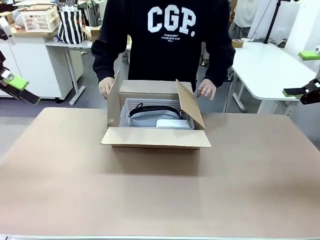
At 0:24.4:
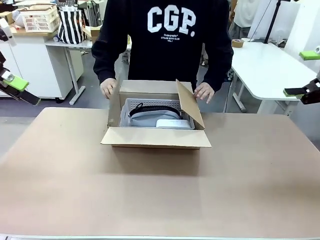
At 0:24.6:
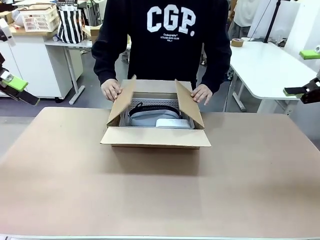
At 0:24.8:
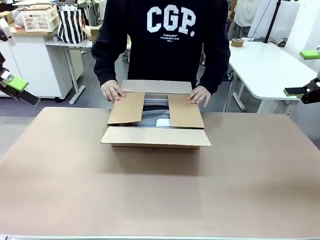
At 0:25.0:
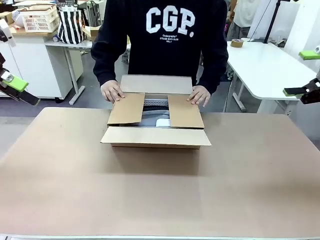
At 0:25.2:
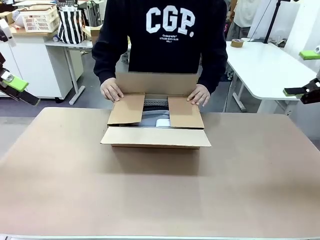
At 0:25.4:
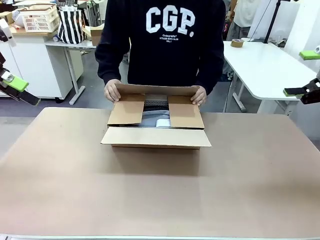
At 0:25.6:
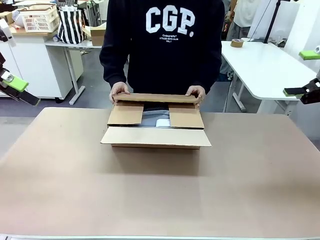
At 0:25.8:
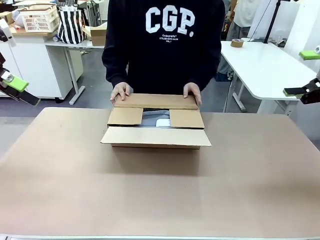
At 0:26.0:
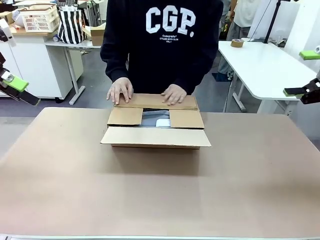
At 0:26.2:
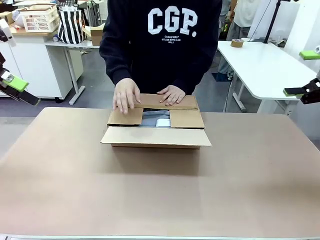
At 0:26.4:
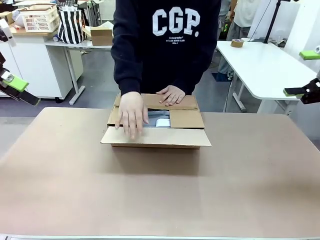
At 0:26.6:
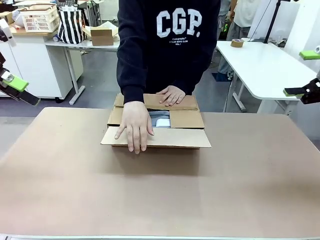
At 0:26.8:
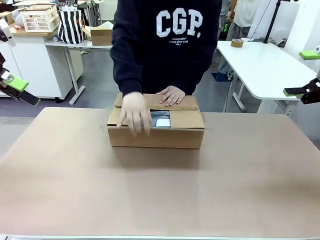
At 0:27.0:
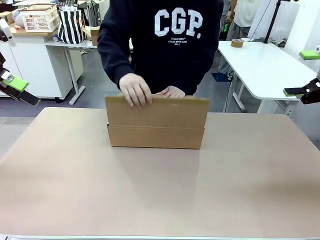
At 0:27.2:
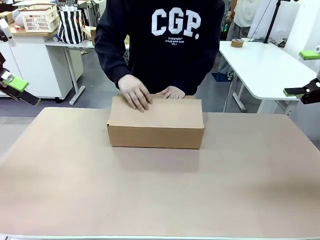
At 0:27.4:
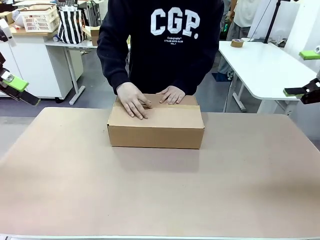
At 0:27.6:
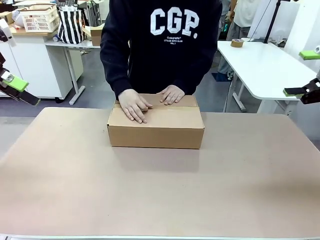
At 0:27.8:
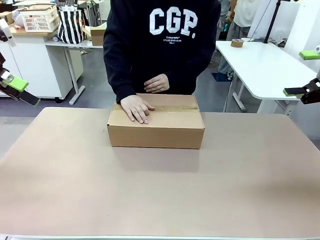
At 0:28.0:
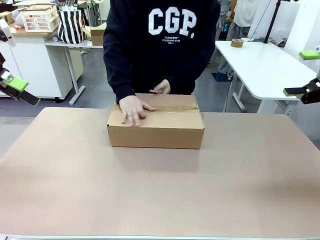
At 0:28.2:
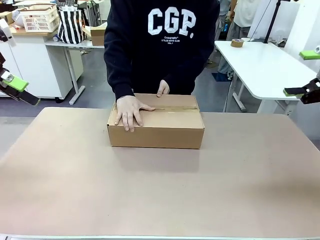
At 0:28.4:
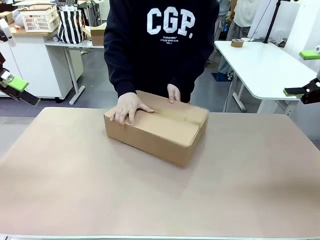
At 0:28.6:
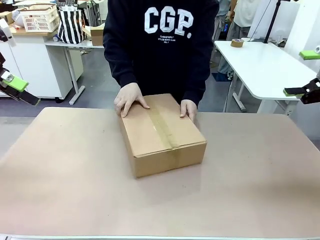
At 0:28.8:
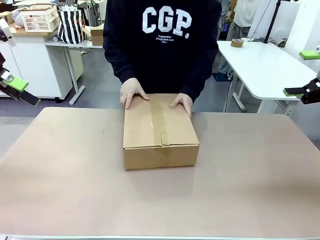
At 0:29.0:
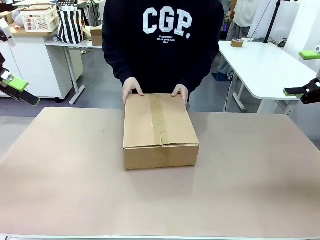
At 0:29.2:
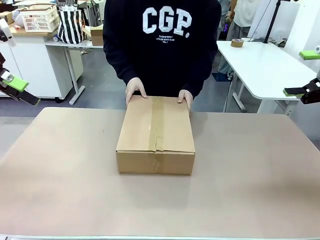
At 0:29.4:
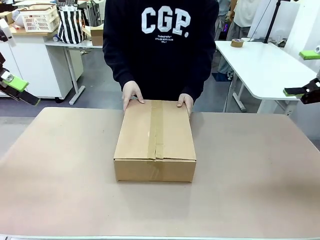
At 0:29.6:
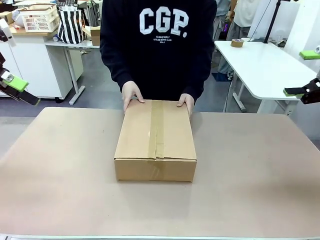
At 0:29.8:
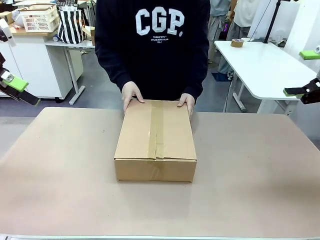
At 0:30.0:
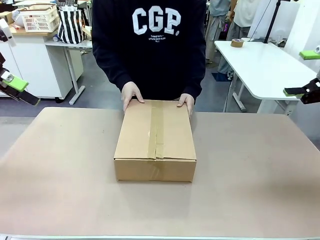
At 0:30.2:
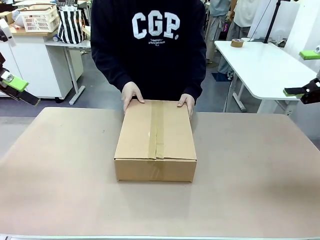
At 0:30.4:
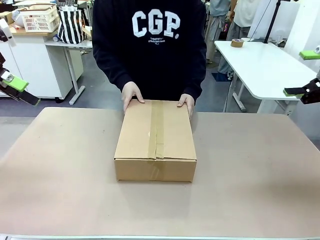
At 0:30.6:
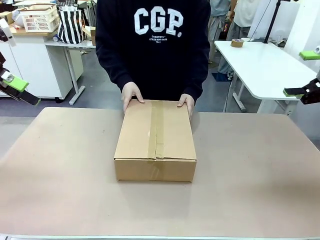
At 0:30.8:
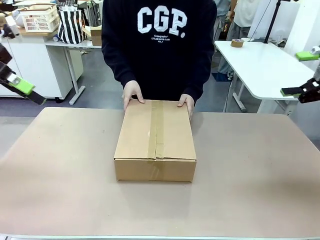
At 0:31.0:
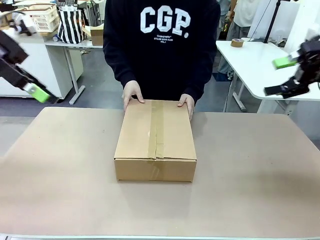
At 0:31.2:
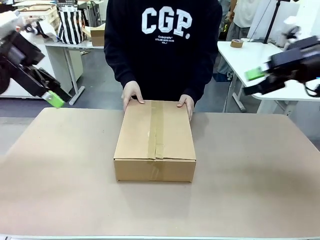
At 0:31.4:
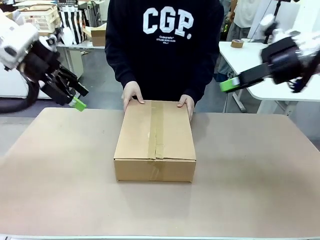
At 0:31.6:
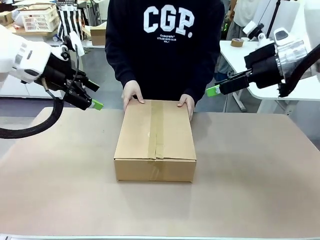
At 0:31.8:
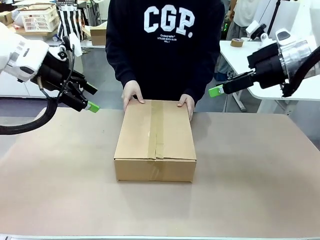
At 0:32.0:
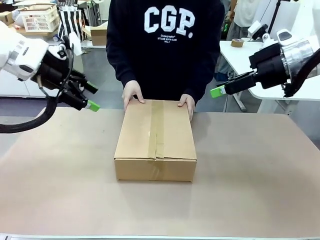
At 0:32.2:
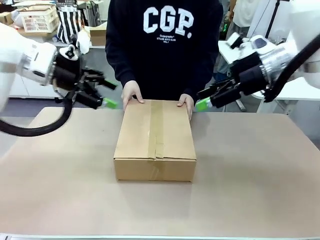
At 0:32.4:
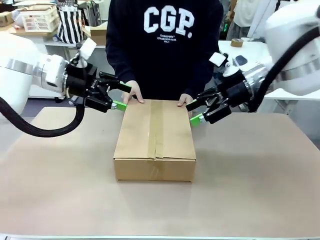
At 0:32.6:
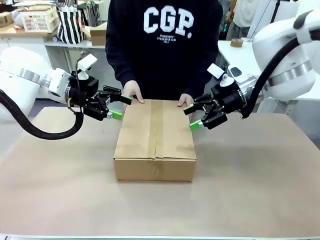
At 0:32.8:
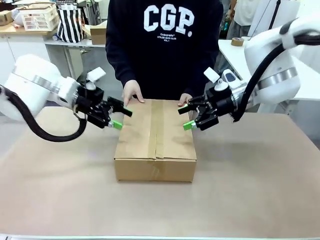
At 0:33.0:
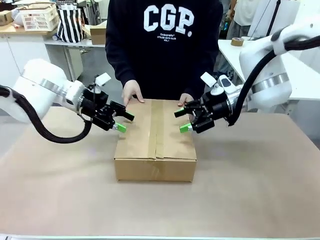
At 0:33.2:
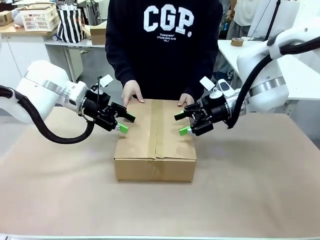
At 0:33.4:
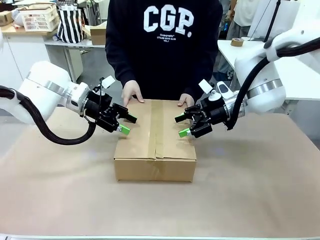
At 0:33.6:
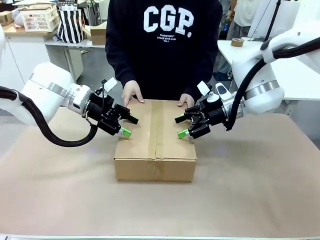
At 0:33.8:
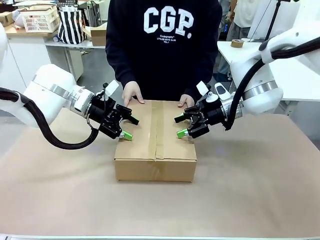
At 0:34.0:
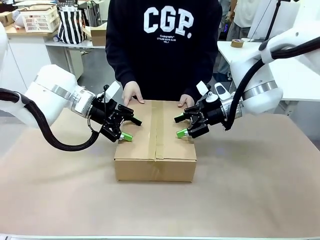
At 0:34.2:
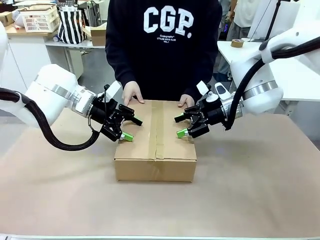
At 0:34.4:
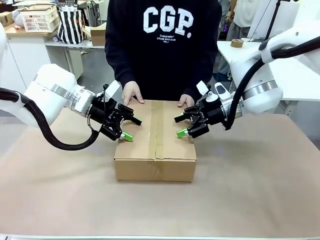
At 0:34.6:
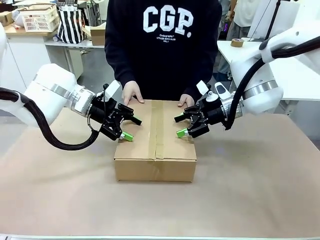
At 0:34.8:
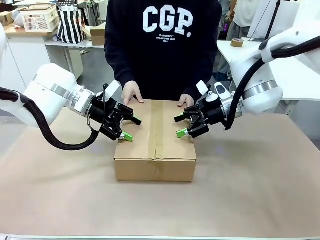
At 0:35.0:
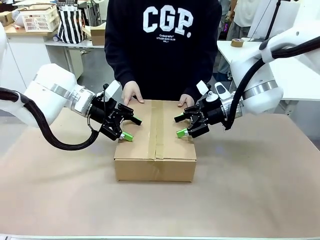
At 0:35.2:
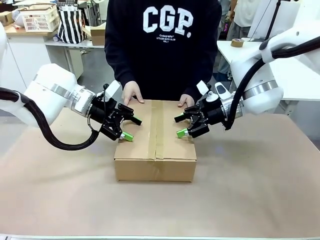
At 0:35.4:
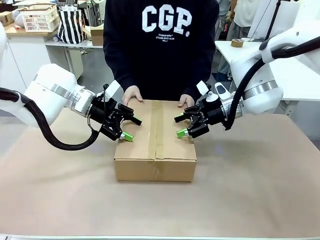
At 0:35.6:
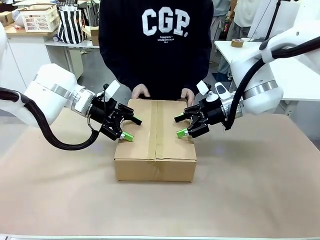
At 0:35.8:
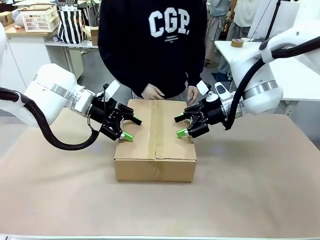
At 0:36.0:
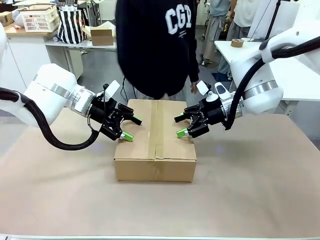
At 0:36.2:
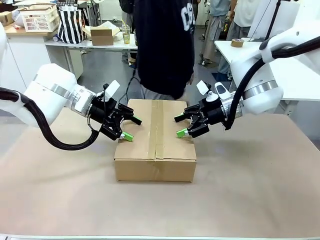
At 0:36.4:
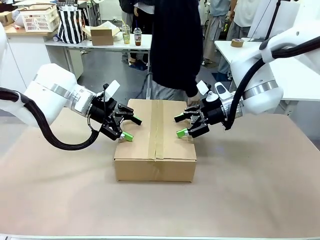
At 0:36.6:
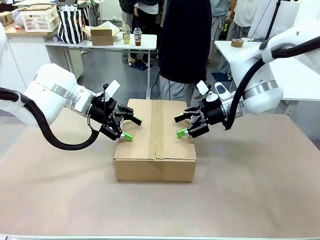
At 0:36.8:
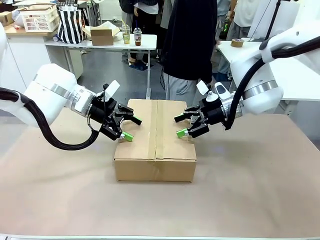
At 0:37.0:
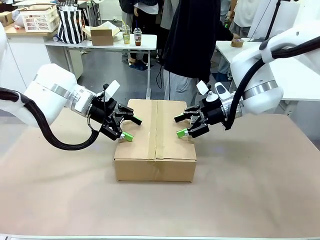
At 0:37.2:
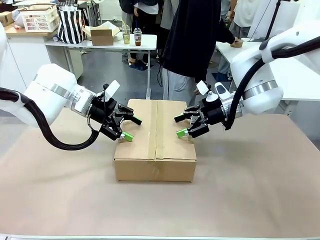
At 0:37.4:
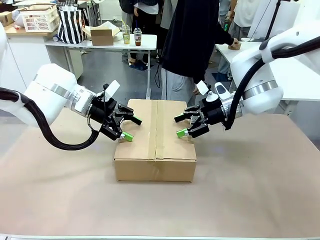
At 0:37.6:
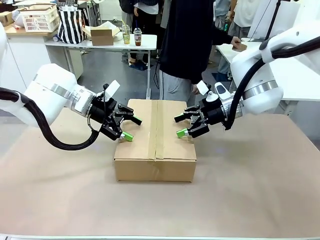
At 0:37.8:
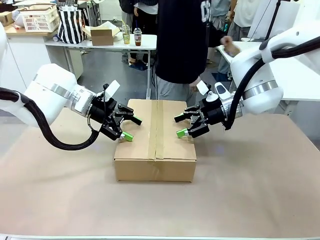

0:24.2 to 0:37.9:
Task: Pack the gift set into the box.
Robot: Press and hold the closed box until the human finishes sealing it.
Person: The human closes the box and rotates the box by 90 degrees.
